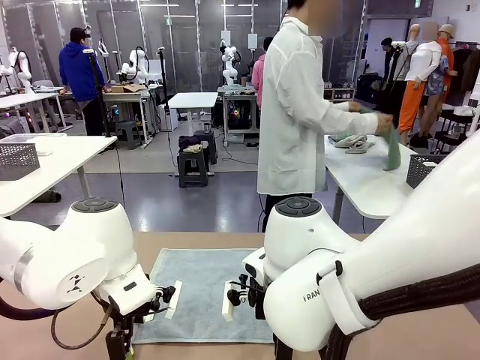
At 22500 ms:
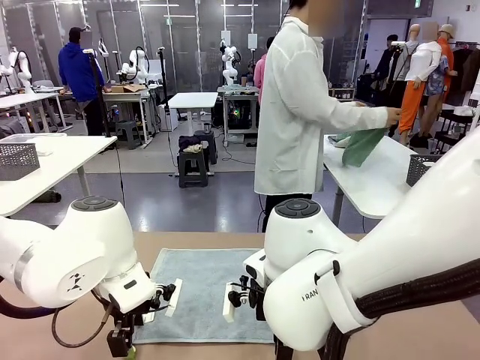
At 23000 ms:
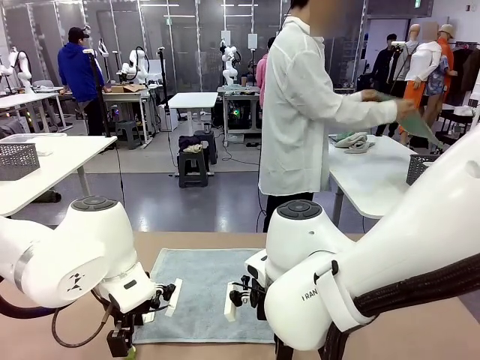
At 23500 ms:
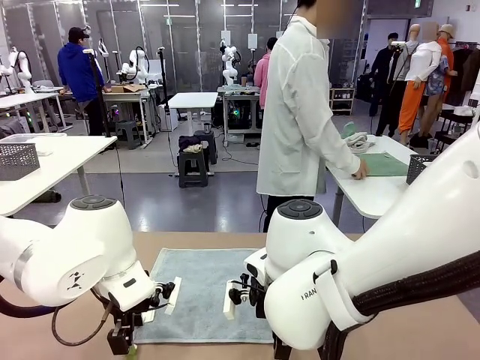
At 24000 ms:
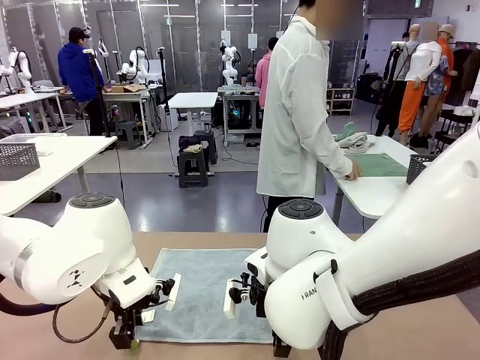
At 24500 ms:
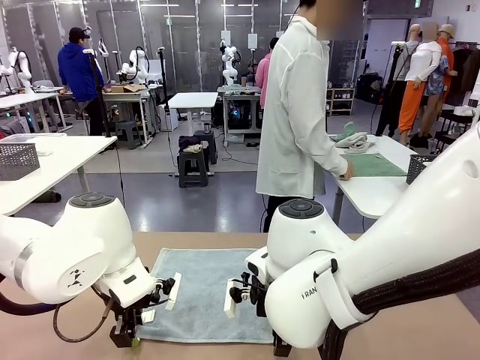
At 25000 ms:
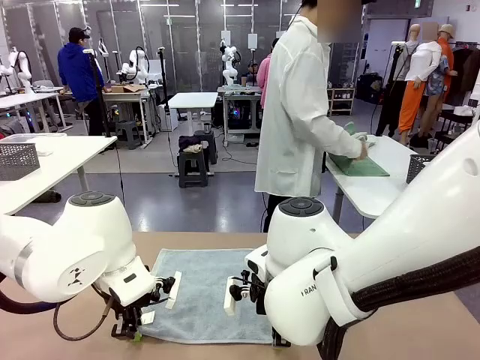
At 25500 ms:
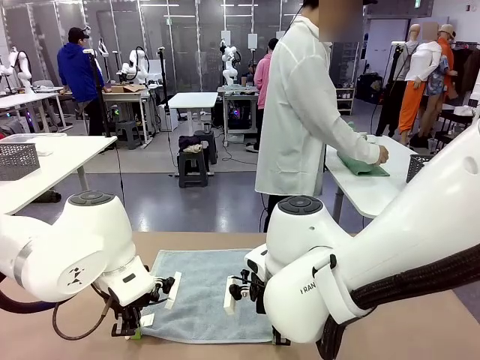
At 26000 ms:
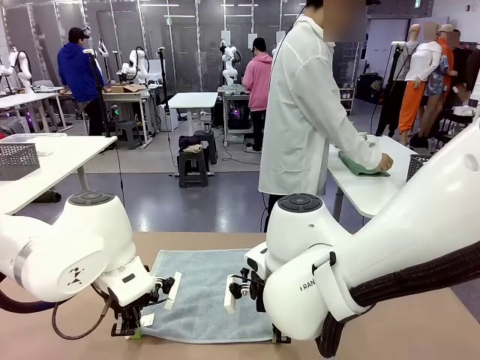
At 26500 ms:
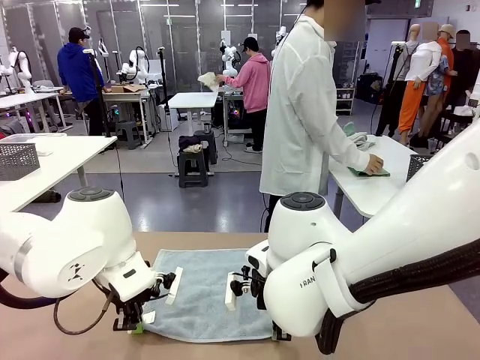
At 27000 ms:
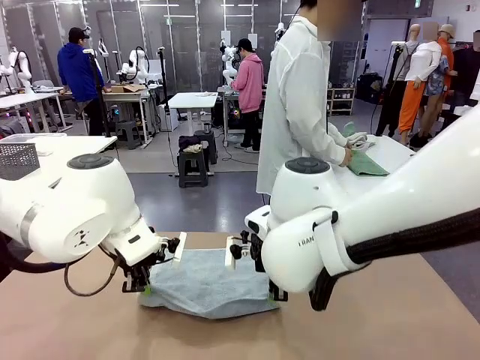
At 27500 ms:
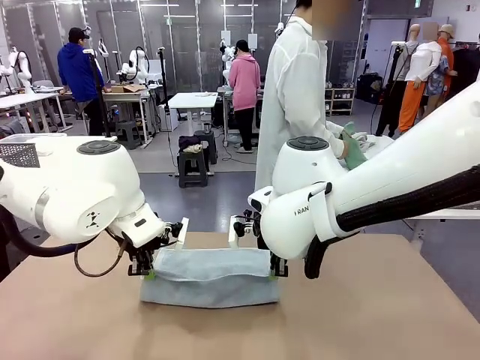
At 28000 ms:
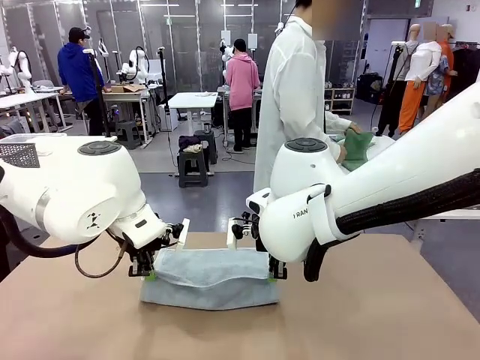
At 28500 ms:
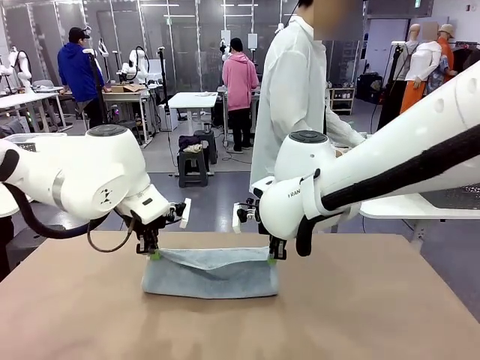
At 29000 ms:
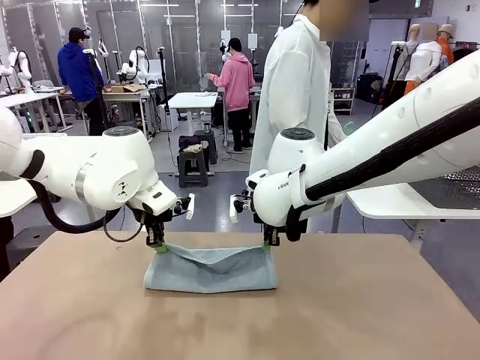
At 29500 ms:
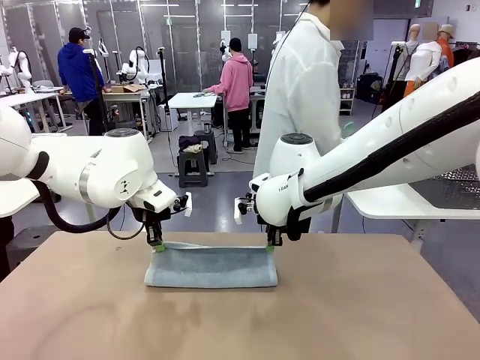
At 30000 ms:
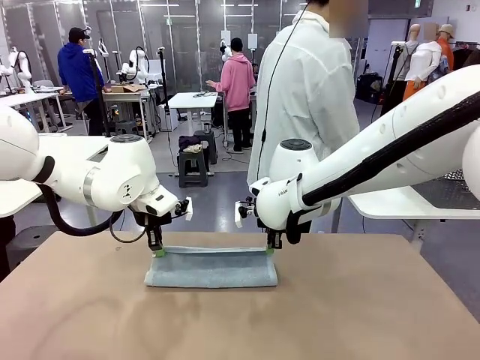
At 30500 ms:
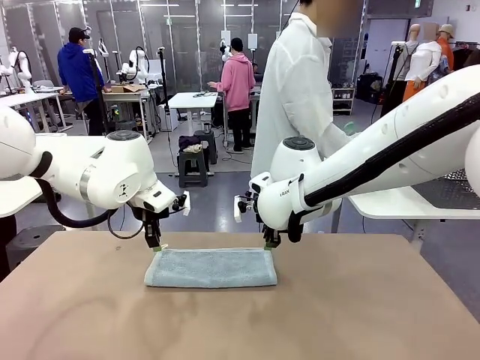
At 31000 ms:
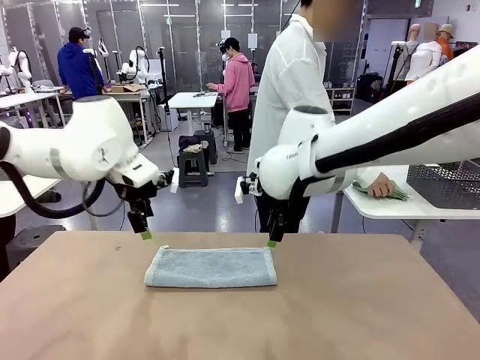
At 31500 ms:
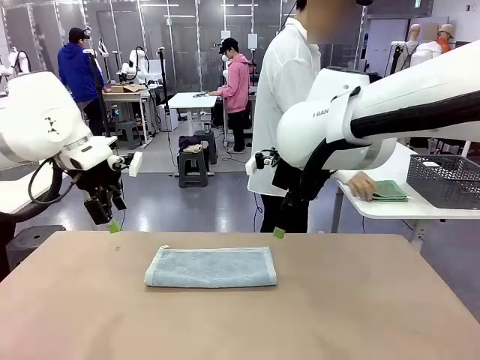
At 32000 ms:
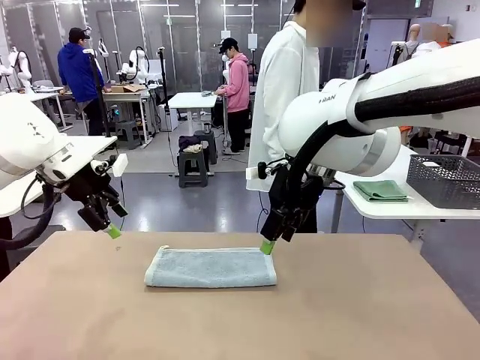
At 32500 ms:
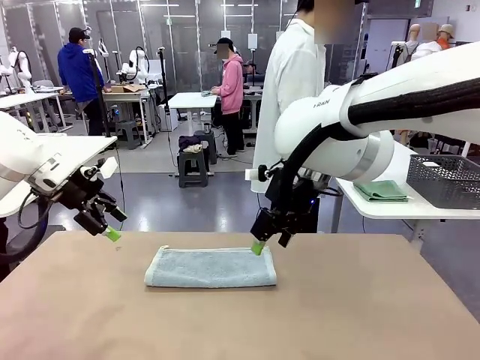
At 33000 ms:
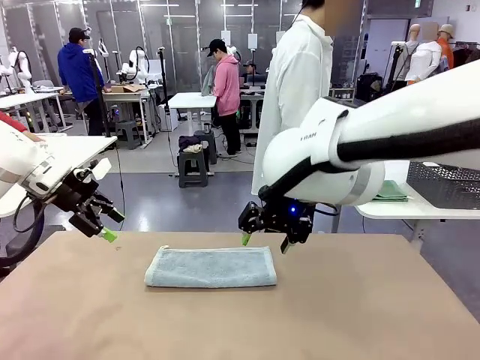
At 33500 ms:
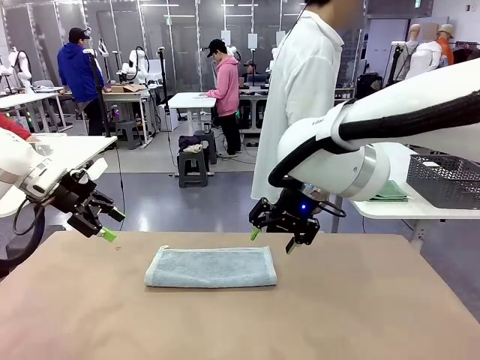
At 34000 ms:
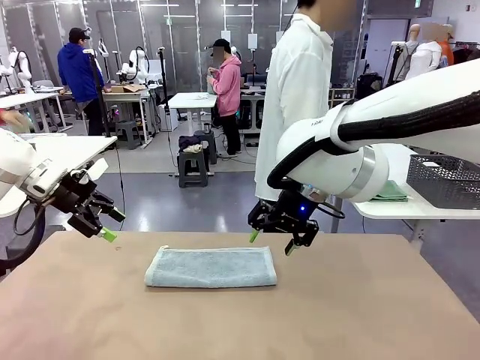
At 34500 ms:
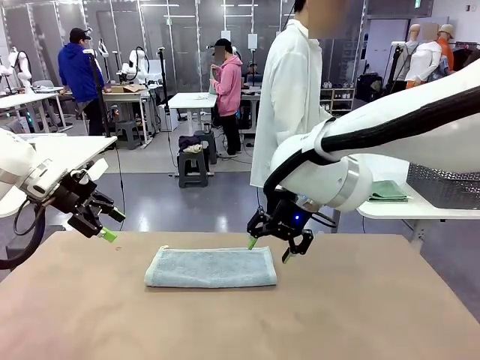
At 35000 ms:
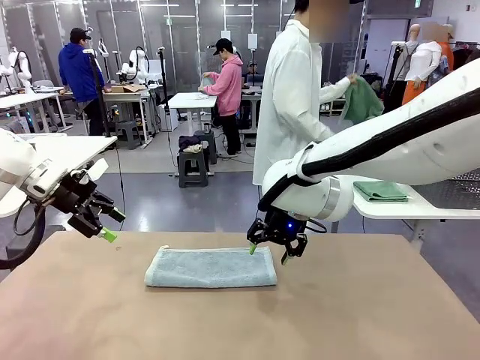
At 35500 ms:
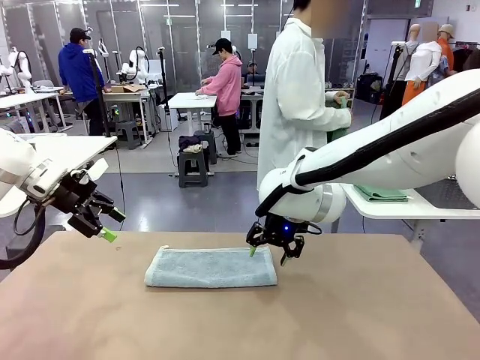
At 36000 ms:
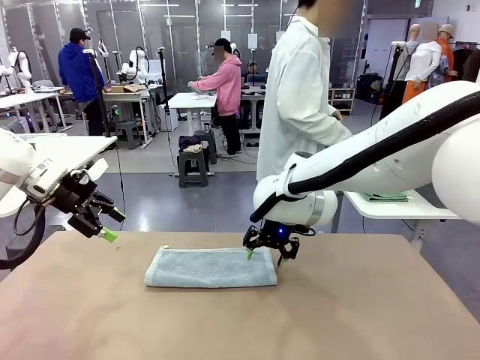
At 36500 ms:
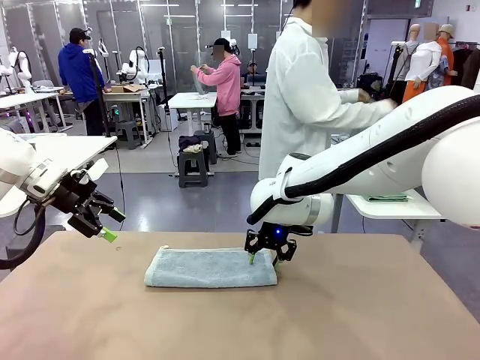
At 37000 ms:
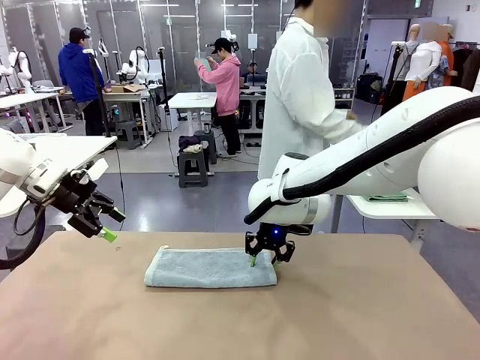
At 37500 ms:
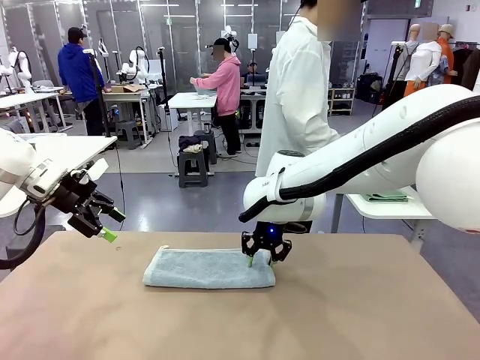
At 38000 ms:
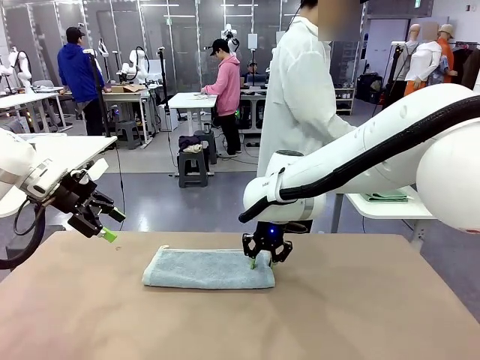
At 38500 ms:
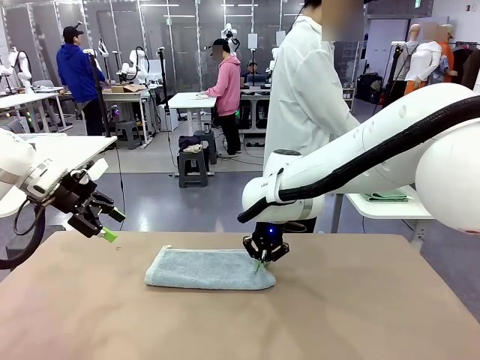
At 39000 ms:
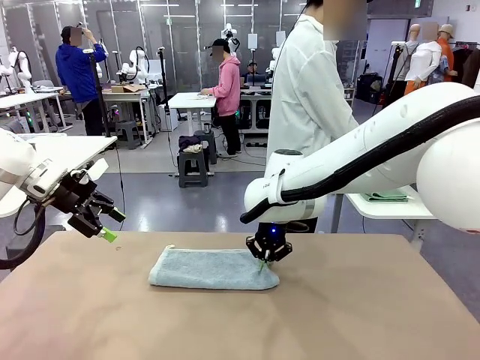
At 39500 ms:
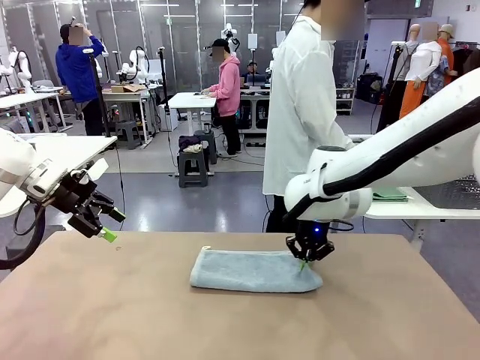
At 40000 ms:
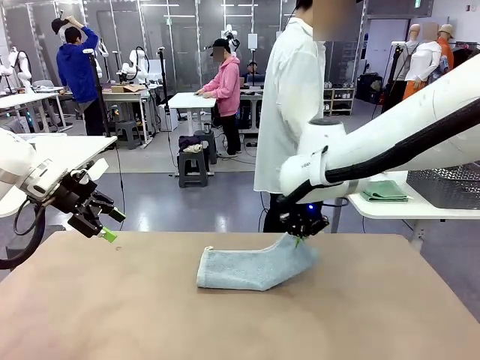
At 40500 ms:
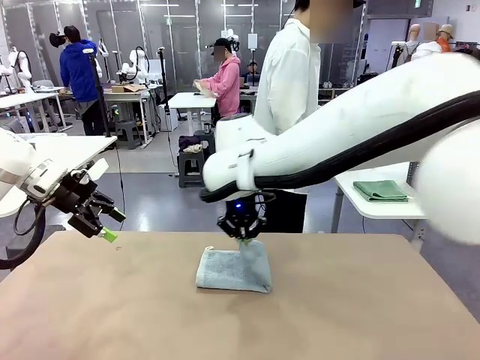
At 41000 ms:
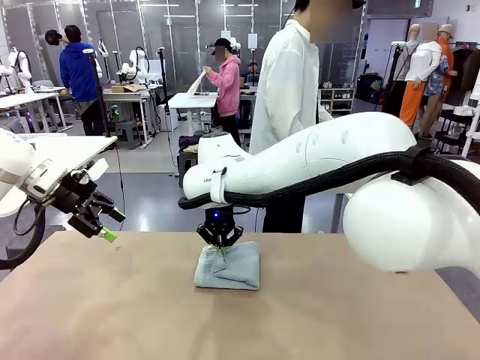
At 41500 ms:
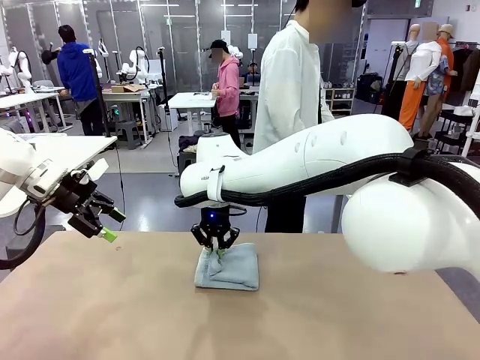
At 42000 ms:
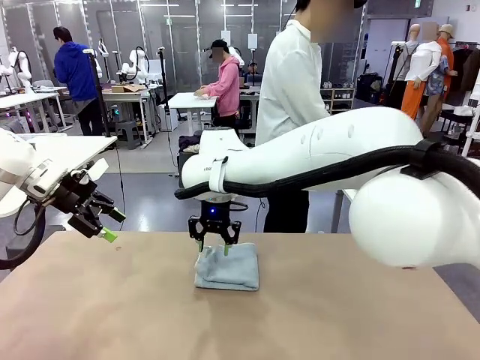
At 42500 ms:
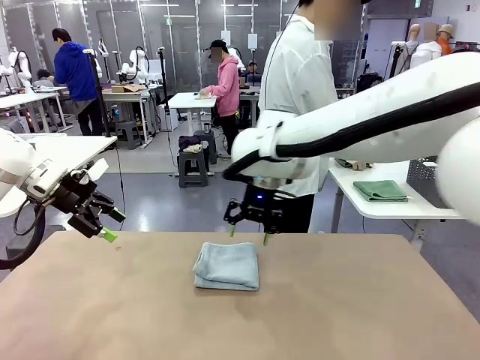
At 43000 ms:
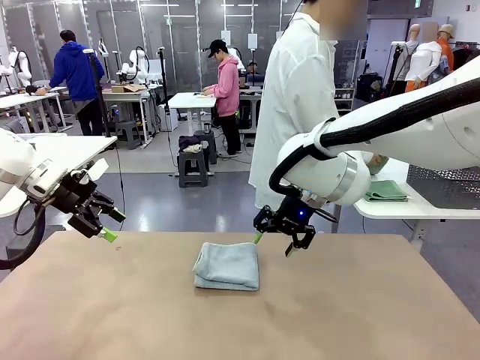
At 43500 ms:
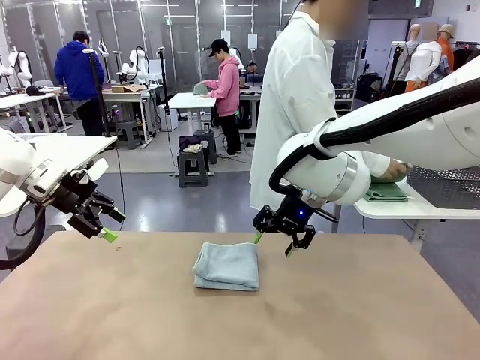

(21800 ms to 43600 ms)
Task: Fold the towels and place them in the basket.
Robot: When a person lays out a Towel with hook on the table, fold it in half twice.
Person: Pick up one towel from the left side of the human table, fold it in half twice, and place it on the right side of the table. Pick up one towel from the left side of the human table, fold it in half twice, and stack it on the right side of the table.

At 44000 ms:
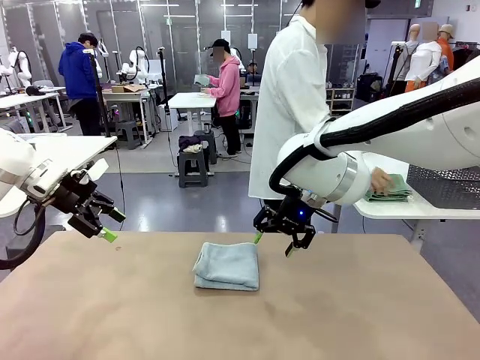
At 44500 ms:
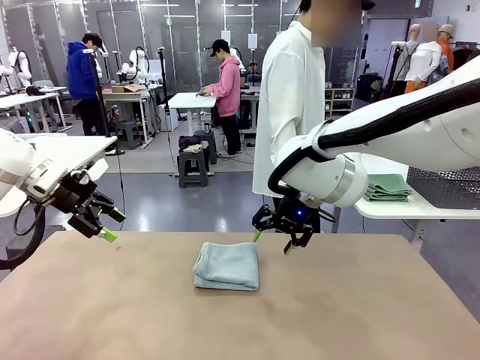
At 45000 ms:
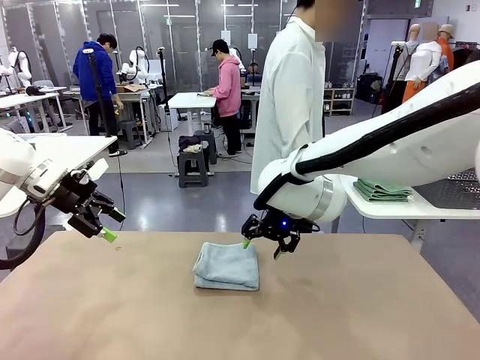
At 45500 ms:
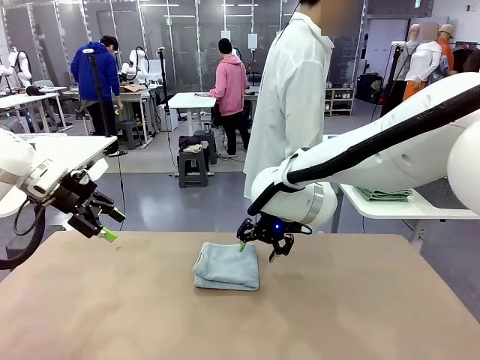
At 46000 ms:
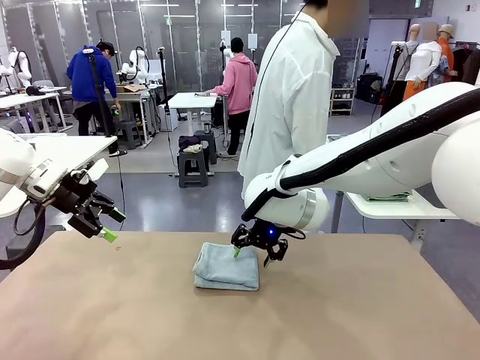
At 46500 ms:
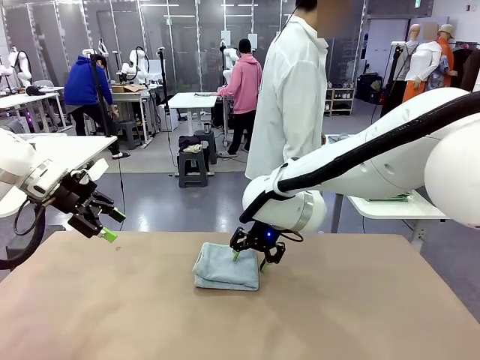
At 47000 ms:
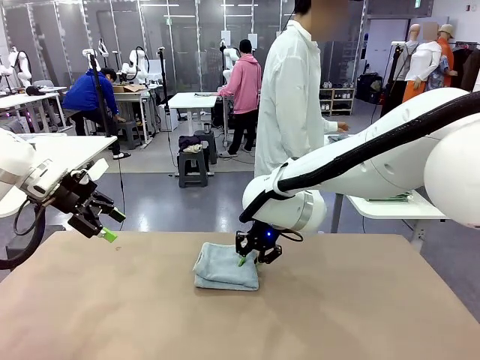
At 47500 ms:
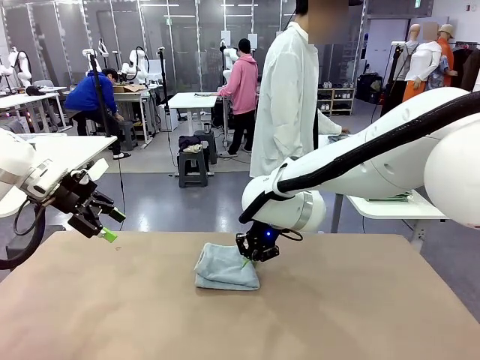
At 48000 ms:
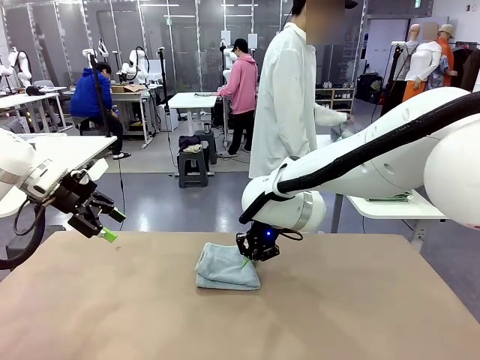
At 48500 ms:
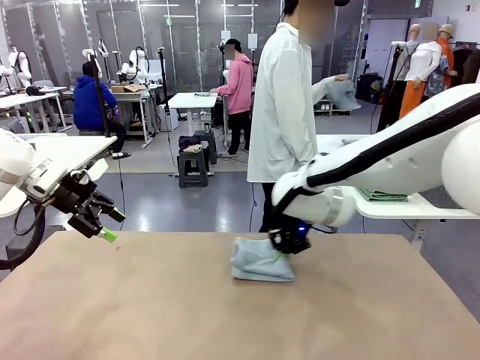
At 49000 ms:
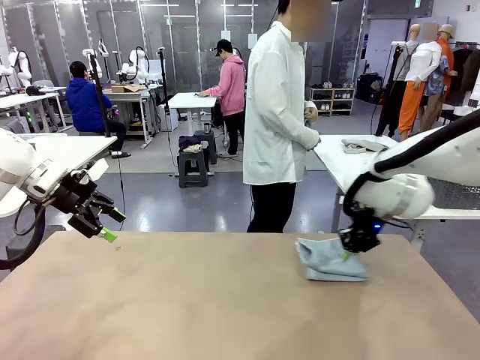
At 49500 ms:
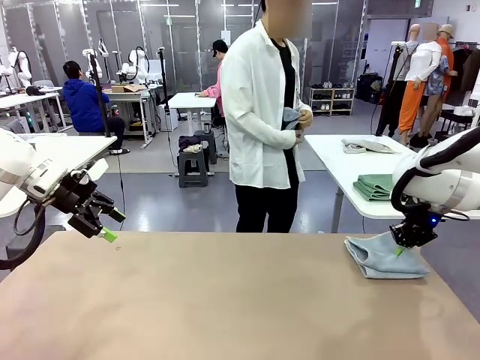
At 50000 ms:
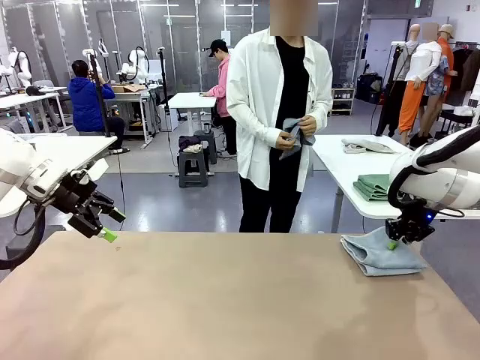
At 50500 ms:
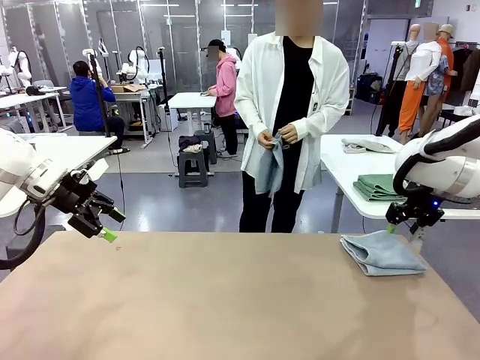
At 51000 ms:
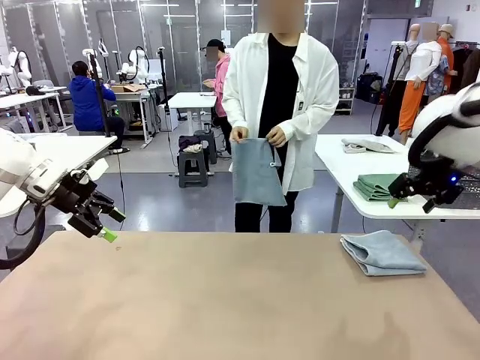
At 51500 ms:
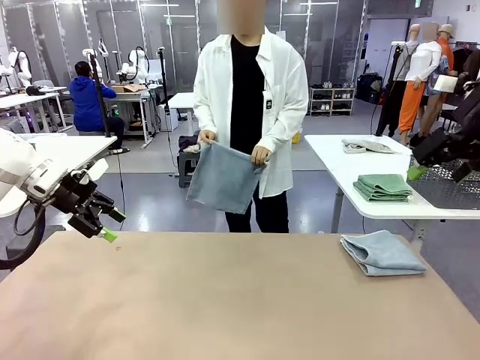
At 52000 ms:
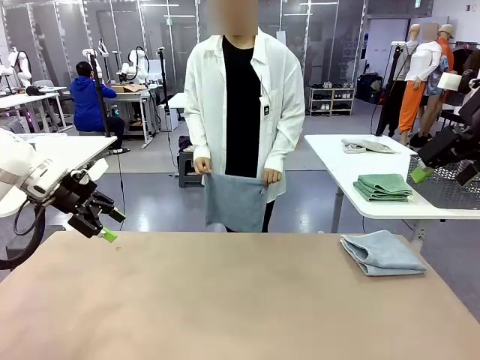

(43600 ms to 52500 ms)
Robot: Place the folded Towel with hook on the right side of the table.
Person: Pick up one towel from the left side of the human table and spread it out at the center of the robot table.
